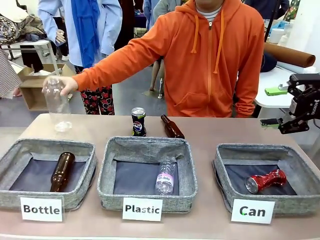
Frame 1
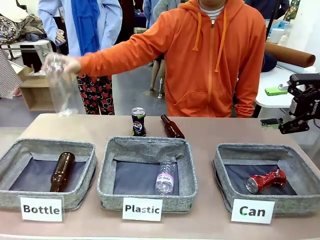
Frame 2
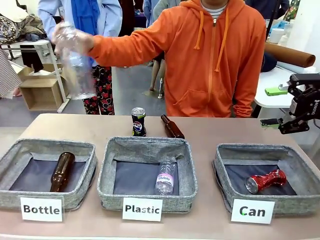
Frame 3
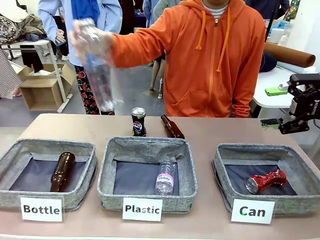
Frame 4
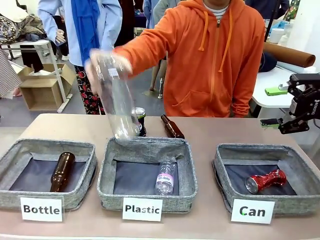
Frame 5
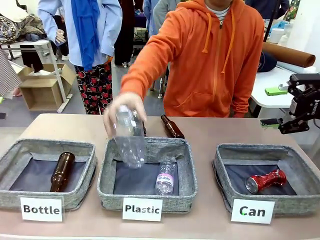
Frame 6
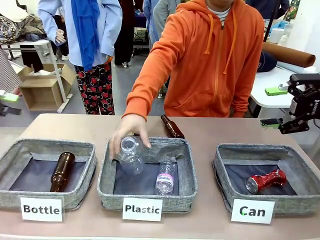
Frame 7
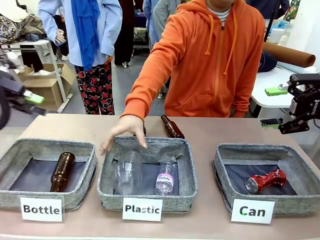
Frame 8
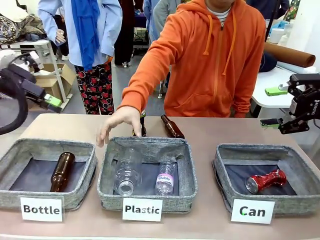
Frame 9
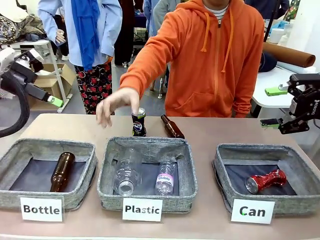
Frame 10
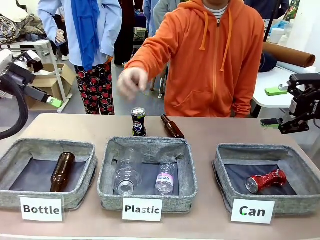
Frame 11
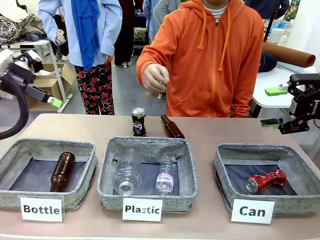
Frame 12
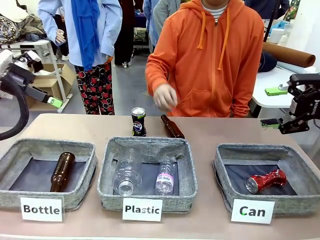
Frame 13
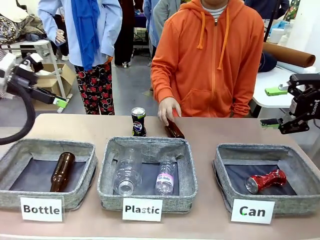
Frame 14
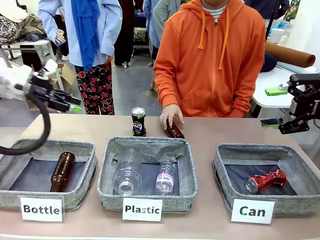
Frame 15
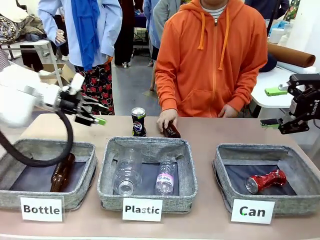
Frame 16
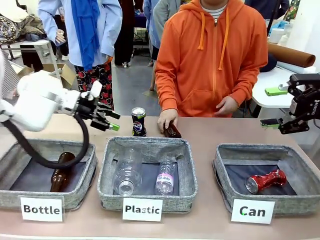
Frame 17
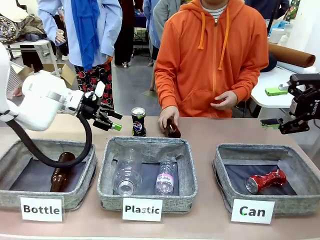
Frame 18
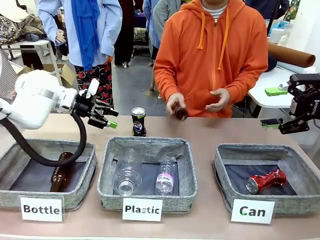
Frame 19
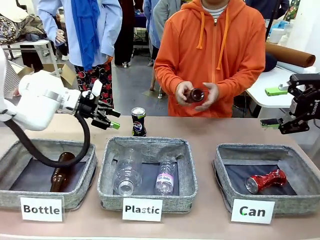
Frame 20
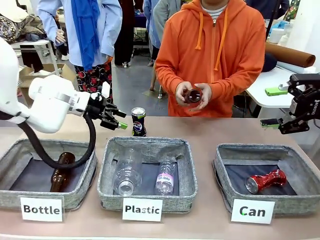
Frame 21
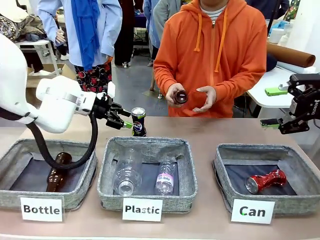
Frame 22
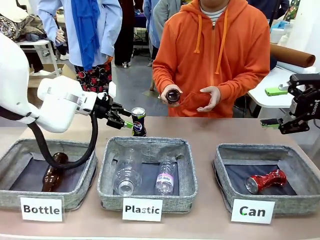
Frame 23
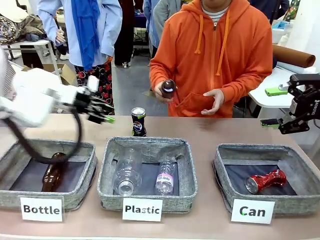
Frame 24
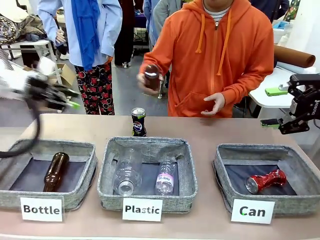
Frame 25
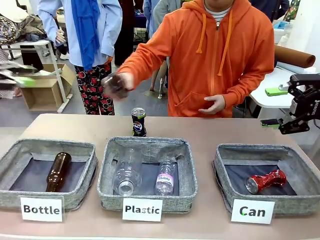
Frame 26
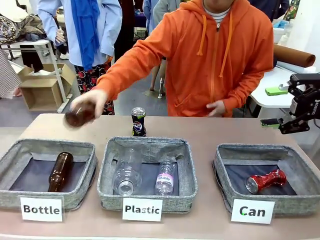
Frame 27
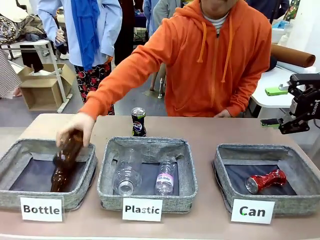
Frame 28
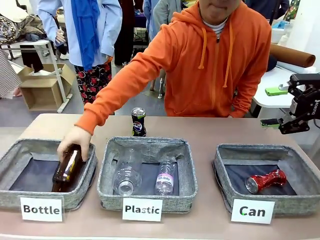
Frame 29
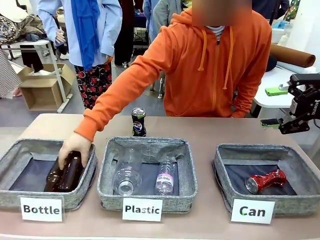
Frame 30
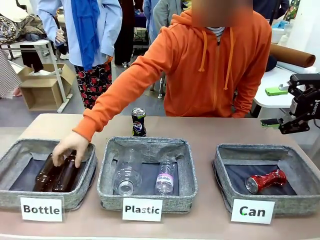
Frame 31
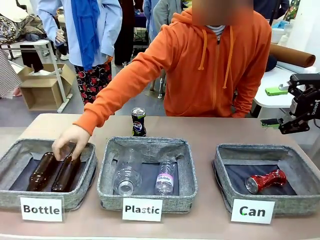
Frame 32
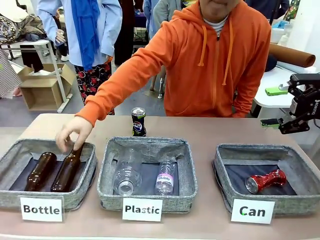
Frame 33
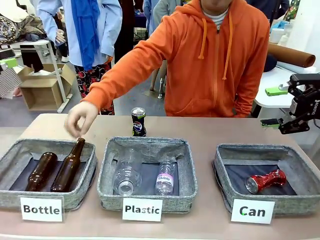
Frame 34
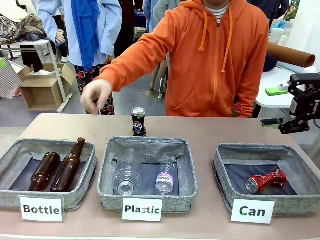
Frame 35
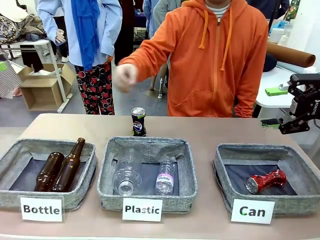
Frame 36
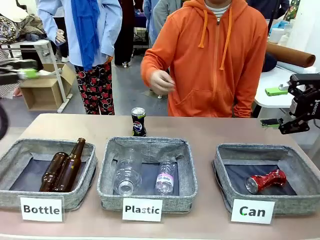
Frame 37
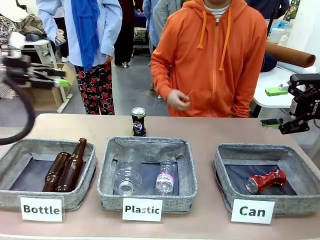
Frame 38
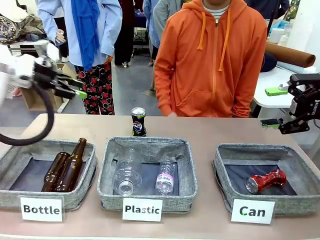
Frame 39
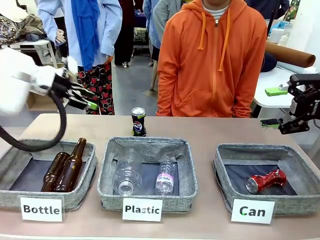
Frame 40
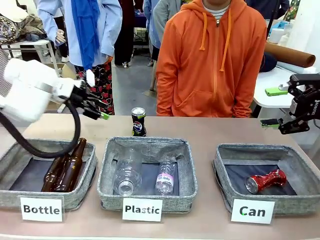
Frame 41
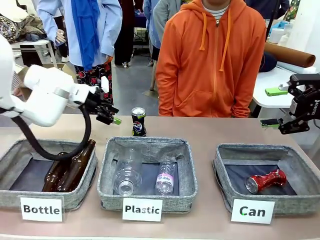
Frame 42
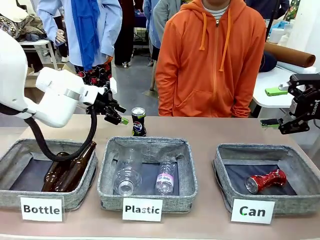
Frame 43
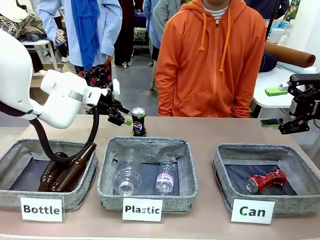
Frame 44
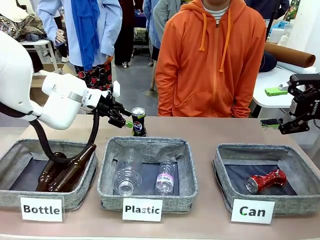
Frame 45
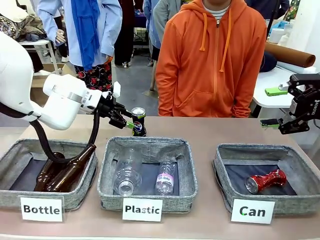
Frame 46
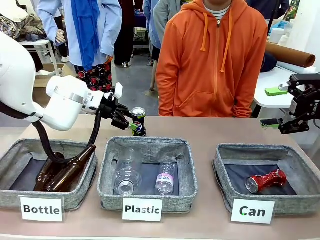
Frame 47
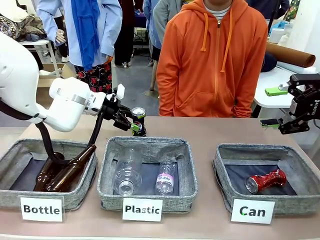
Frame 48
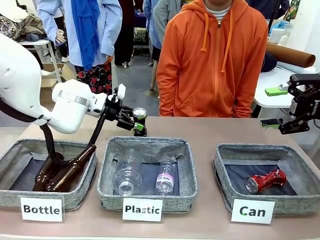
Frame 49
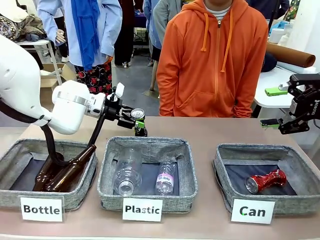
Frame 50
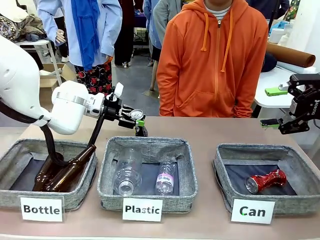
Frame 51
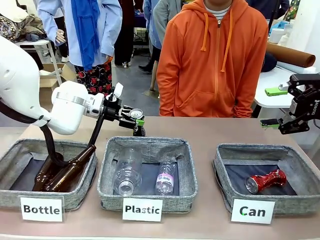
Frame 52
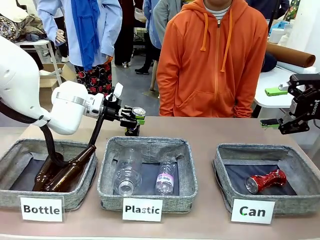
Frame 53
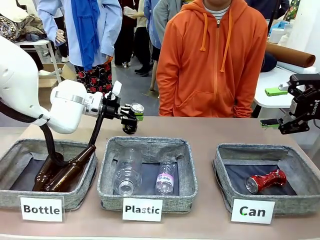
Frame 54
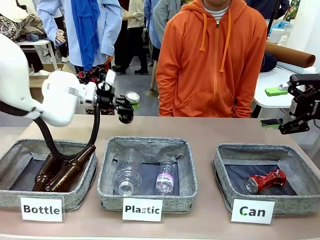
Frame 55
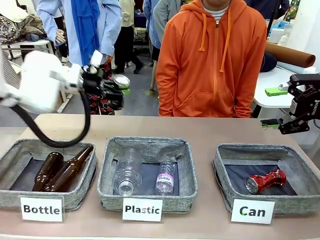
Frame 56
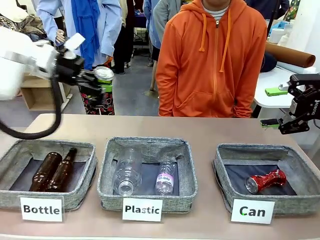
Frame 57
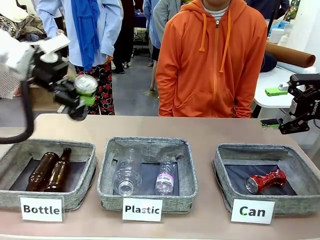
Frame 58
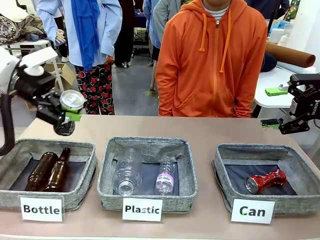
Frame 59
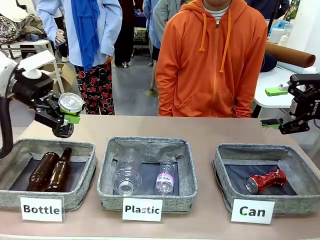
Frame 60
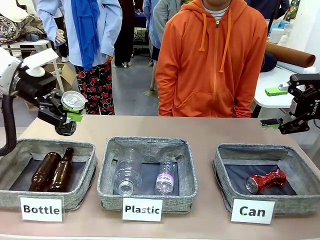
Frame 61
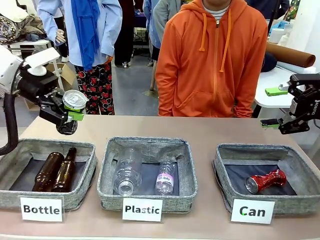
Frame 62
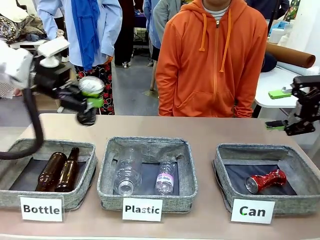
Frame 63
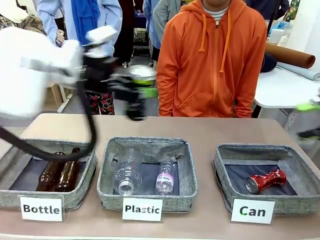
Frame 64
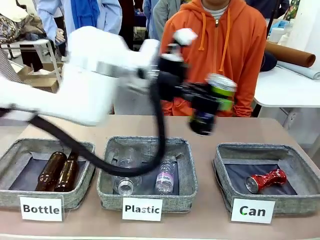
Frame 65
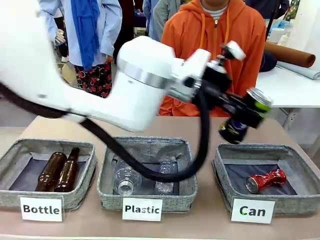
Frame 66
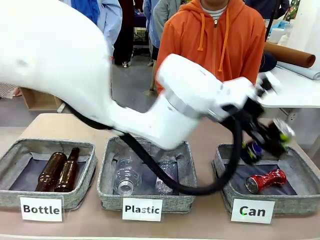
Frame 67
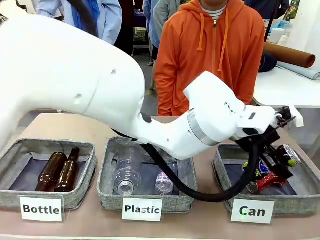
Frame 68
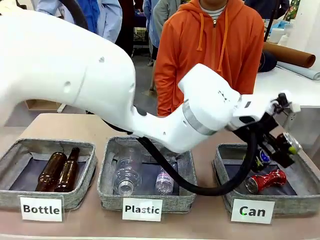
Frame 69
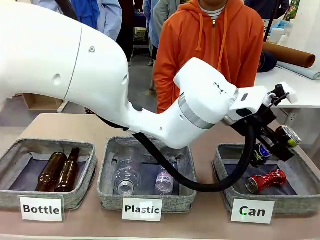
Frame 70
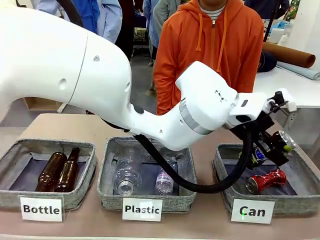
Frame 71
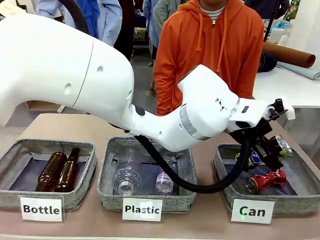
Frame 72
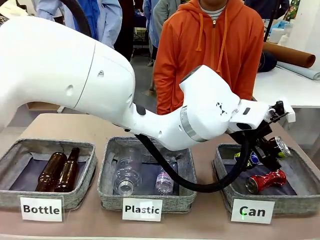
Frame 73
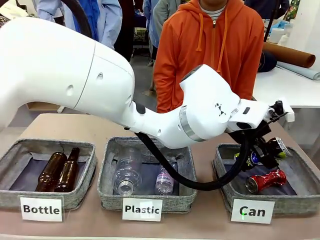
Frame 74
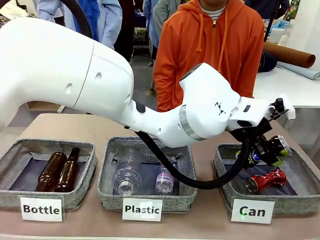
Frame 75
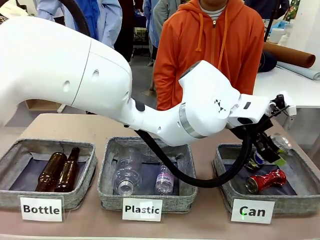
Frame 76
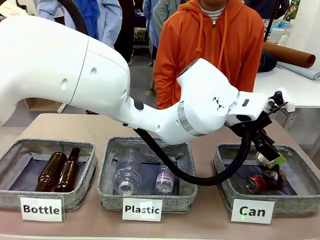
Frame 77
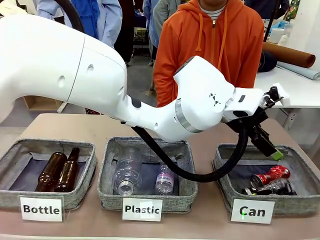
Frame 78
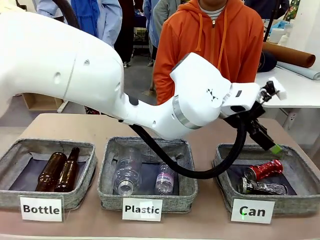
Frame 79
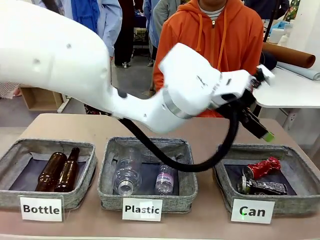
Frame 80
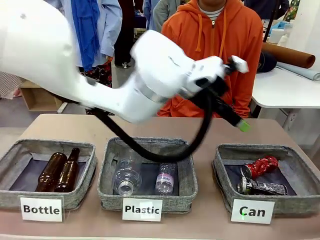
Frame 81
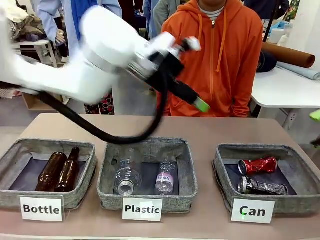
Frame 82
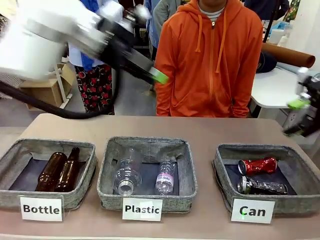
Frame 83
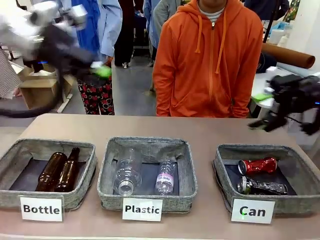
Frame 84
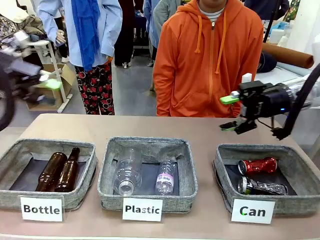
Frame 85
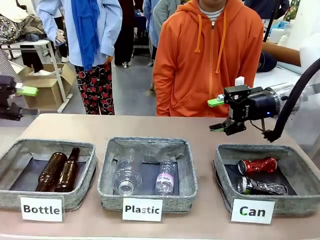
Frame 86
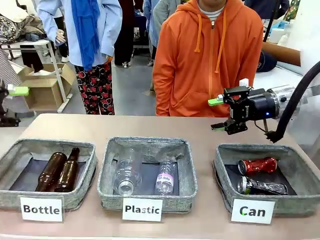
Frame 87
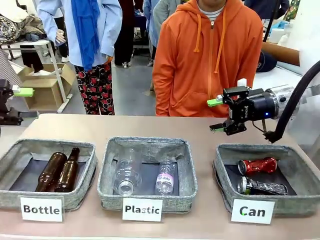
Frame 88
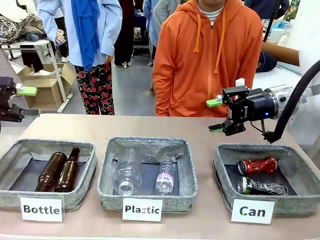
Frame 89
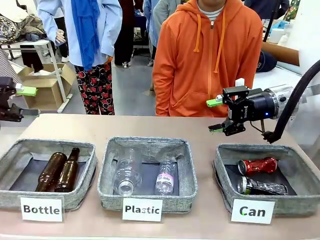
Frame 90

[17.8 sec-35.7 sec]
Task: Sort the can waste into the basket.
Robot: Pick up the can waste from the table and place it in the right Fabric basket.
Person: The human picks up one piece of trash that is not a can and places the trash into the appropriate organizing basket.
